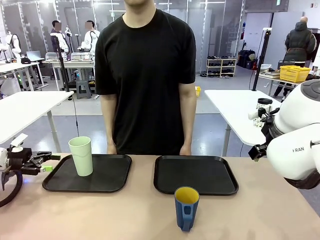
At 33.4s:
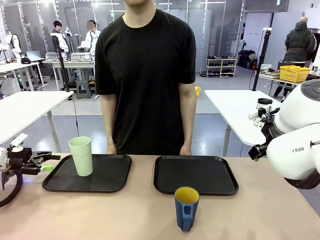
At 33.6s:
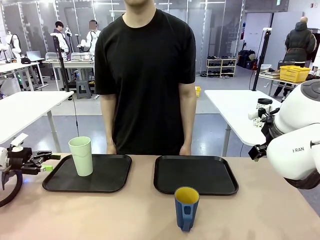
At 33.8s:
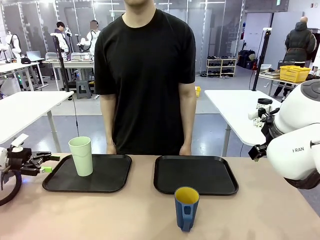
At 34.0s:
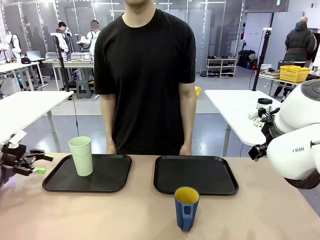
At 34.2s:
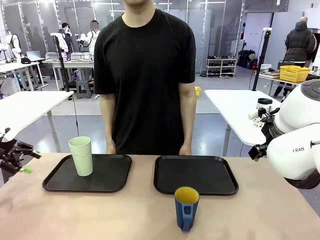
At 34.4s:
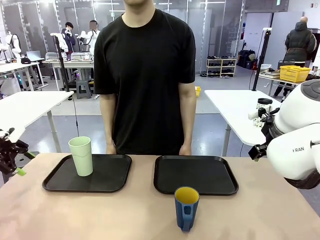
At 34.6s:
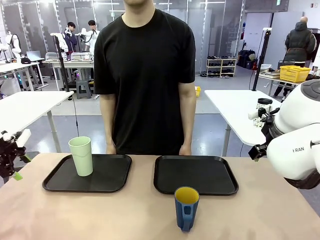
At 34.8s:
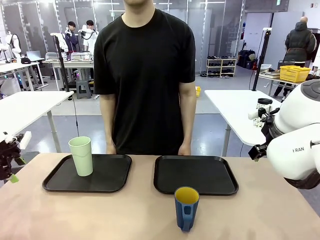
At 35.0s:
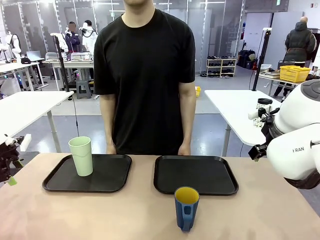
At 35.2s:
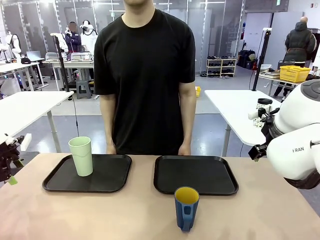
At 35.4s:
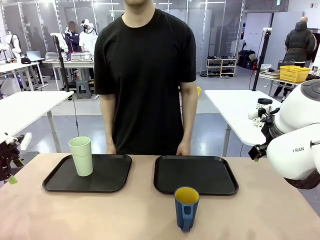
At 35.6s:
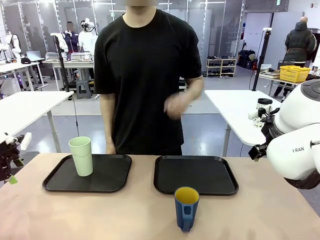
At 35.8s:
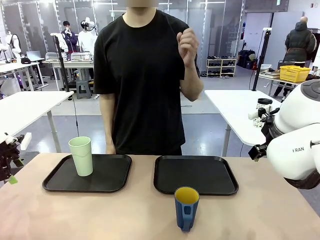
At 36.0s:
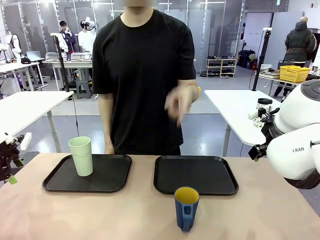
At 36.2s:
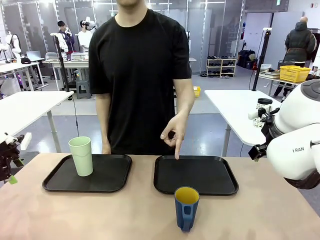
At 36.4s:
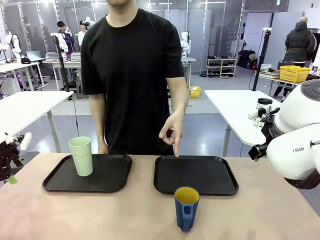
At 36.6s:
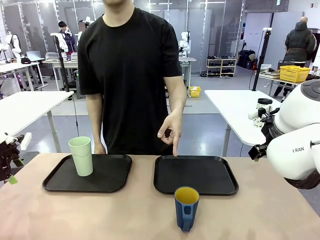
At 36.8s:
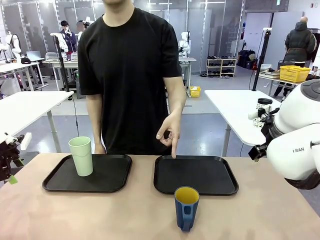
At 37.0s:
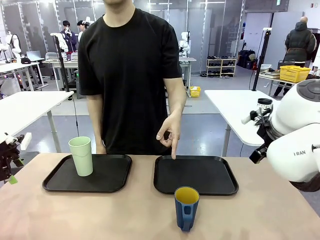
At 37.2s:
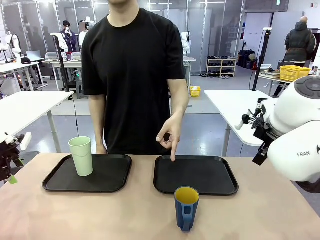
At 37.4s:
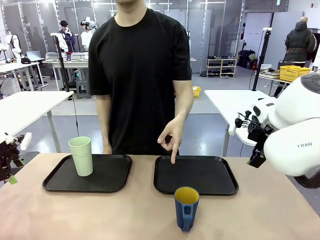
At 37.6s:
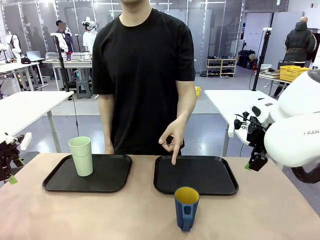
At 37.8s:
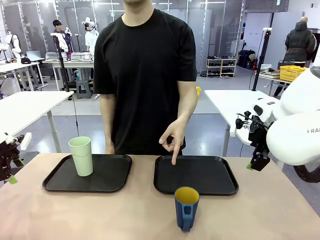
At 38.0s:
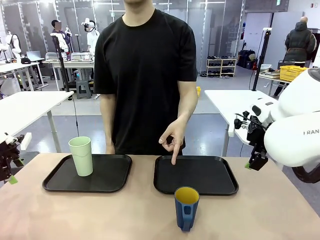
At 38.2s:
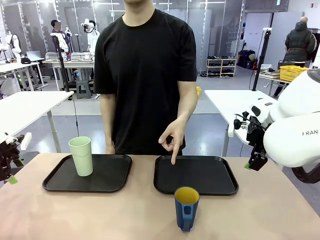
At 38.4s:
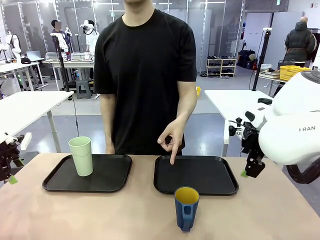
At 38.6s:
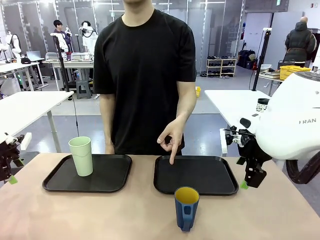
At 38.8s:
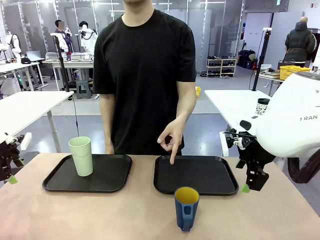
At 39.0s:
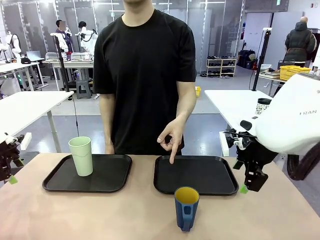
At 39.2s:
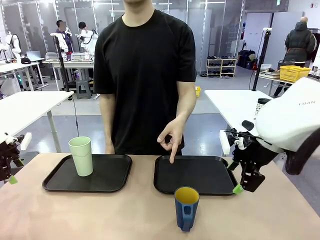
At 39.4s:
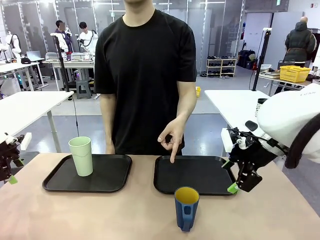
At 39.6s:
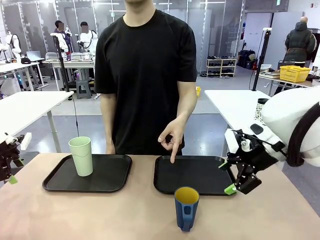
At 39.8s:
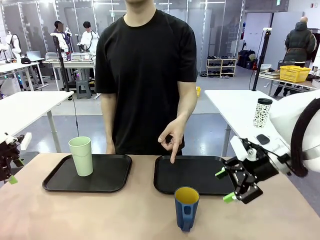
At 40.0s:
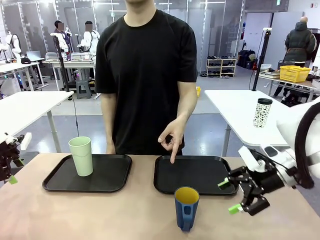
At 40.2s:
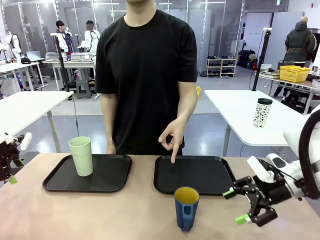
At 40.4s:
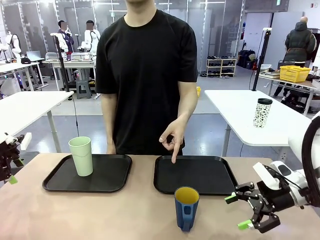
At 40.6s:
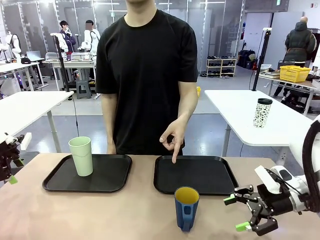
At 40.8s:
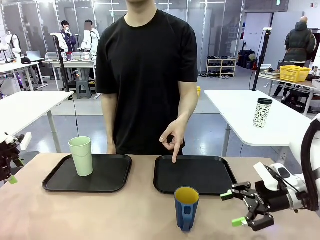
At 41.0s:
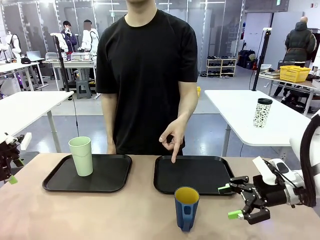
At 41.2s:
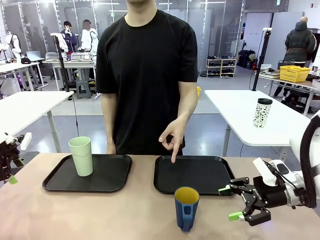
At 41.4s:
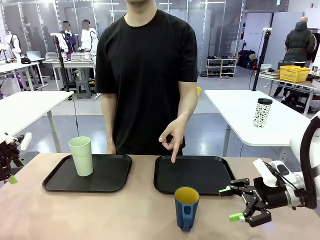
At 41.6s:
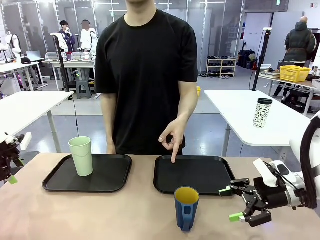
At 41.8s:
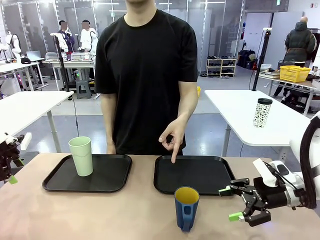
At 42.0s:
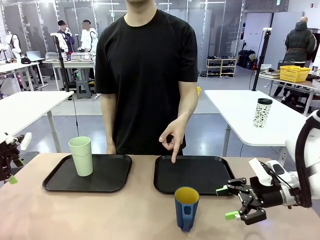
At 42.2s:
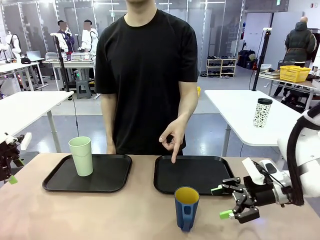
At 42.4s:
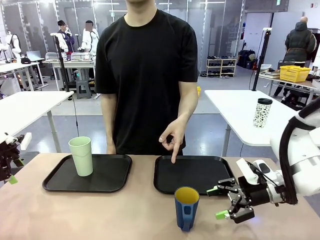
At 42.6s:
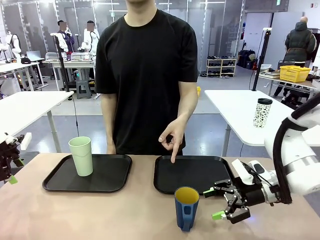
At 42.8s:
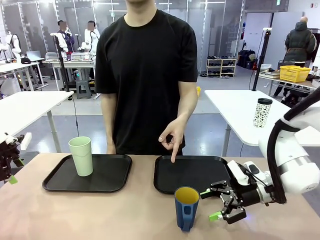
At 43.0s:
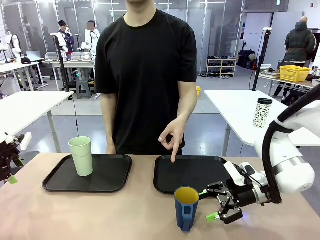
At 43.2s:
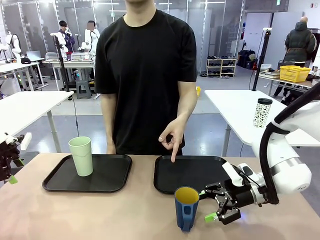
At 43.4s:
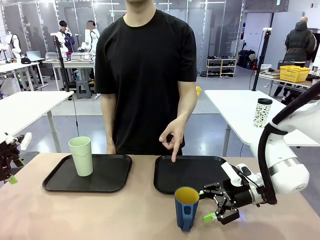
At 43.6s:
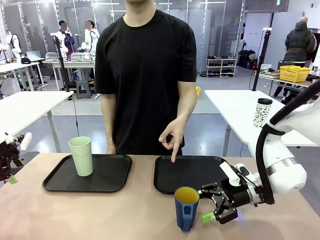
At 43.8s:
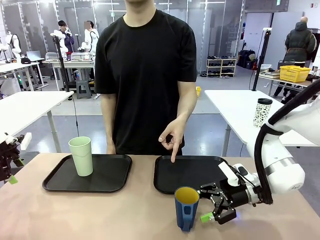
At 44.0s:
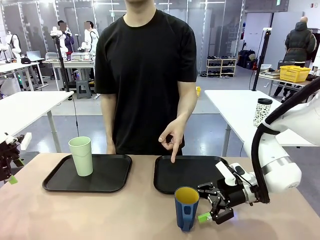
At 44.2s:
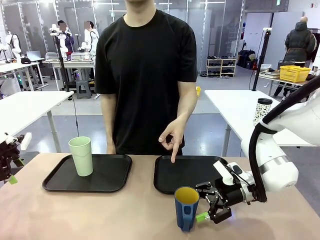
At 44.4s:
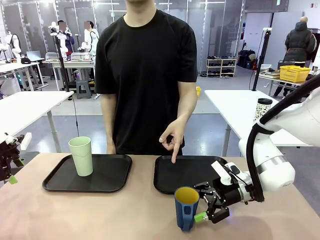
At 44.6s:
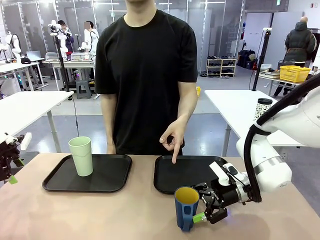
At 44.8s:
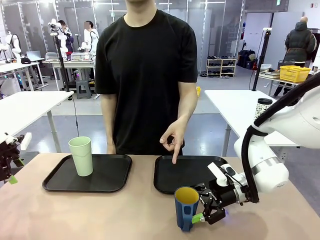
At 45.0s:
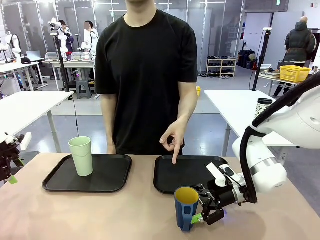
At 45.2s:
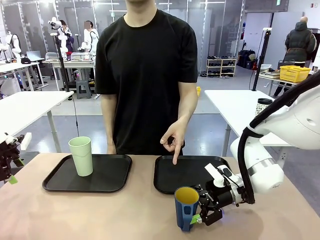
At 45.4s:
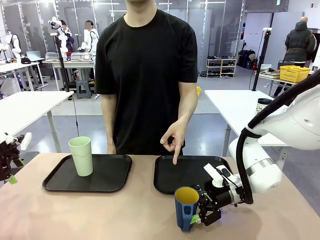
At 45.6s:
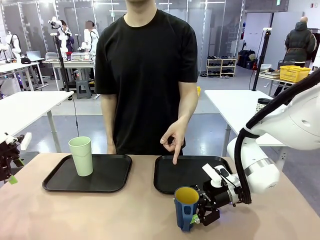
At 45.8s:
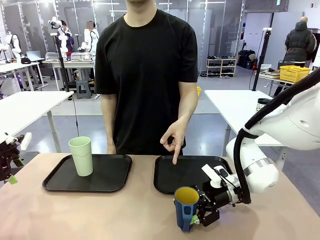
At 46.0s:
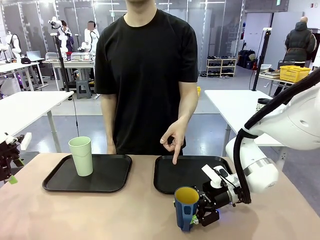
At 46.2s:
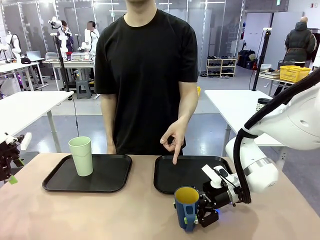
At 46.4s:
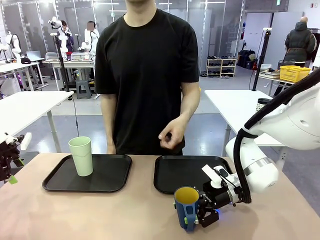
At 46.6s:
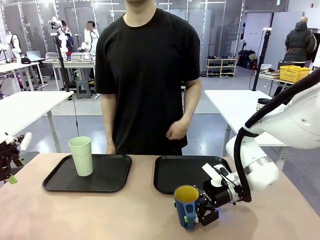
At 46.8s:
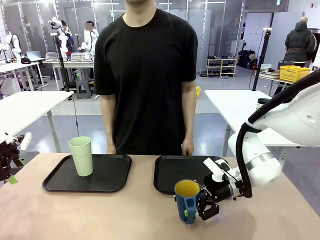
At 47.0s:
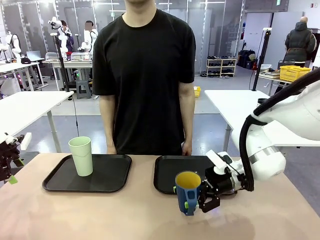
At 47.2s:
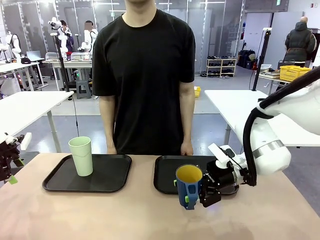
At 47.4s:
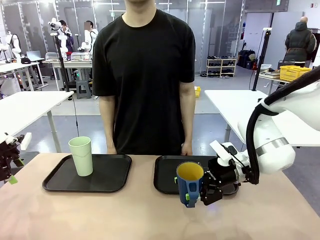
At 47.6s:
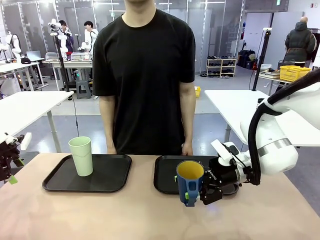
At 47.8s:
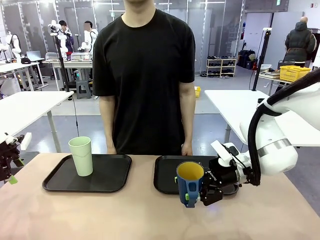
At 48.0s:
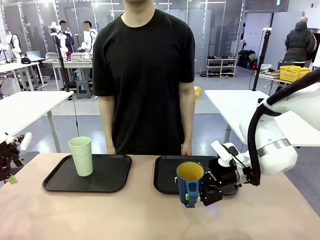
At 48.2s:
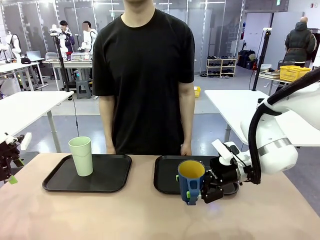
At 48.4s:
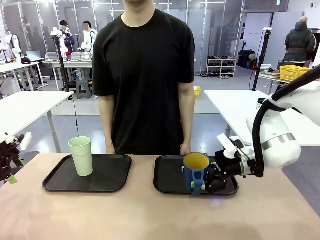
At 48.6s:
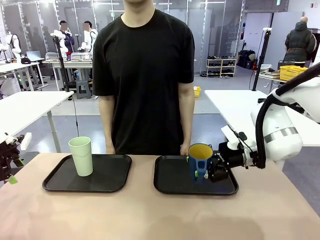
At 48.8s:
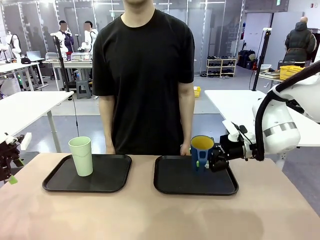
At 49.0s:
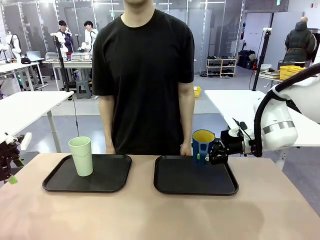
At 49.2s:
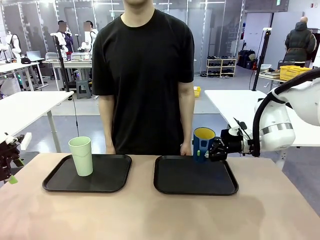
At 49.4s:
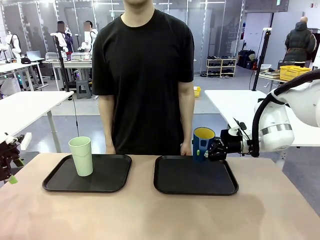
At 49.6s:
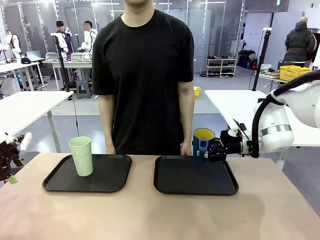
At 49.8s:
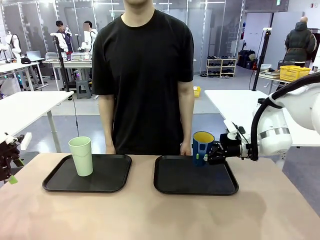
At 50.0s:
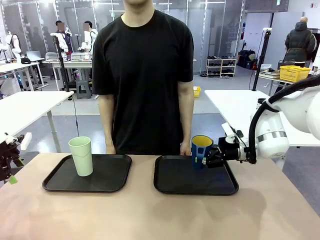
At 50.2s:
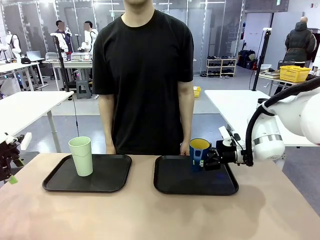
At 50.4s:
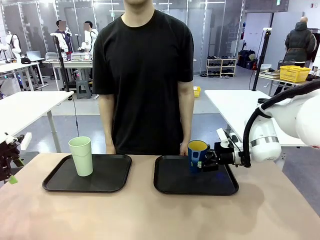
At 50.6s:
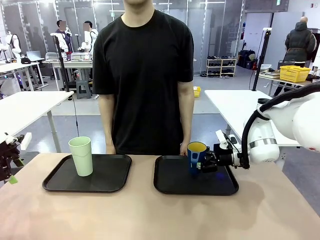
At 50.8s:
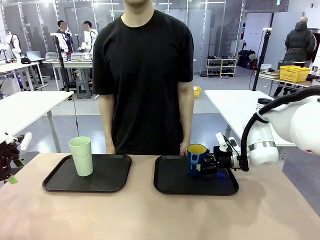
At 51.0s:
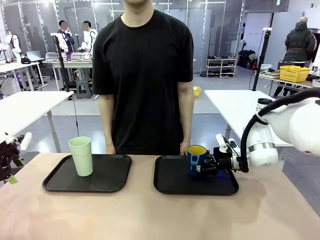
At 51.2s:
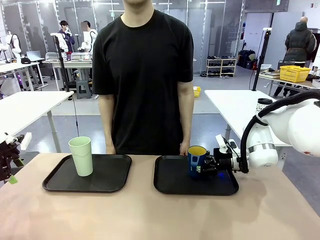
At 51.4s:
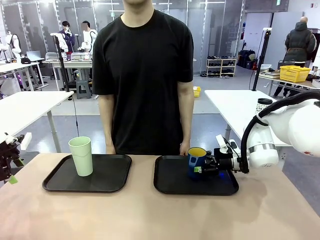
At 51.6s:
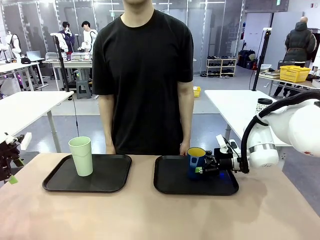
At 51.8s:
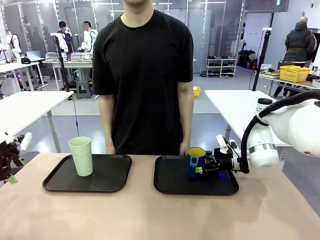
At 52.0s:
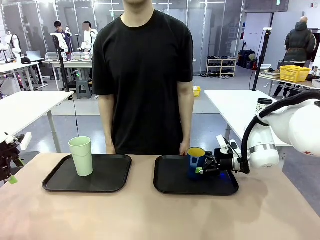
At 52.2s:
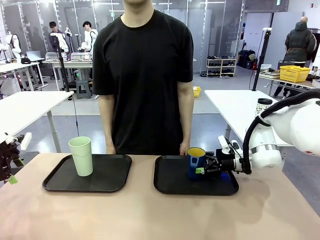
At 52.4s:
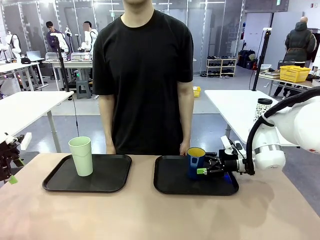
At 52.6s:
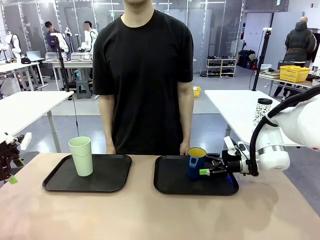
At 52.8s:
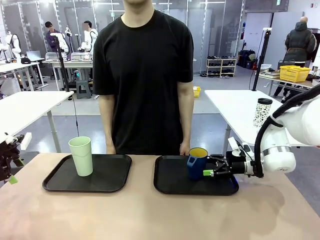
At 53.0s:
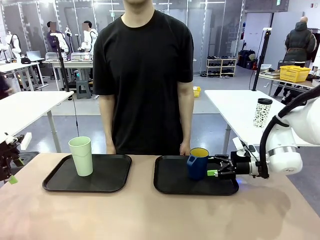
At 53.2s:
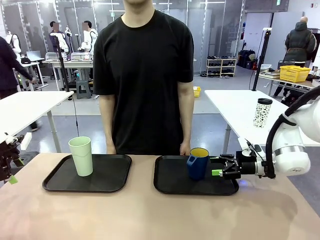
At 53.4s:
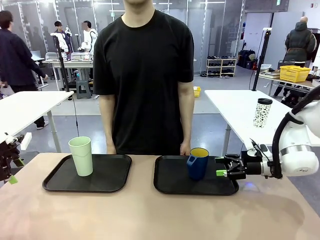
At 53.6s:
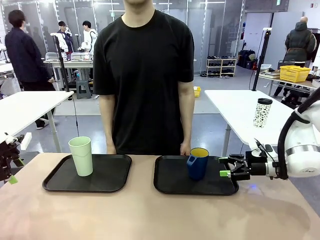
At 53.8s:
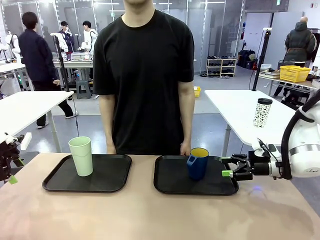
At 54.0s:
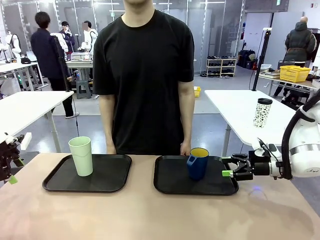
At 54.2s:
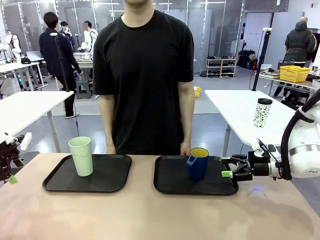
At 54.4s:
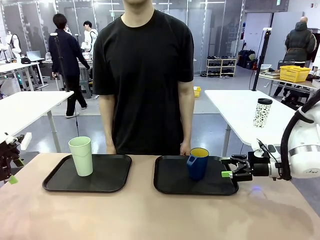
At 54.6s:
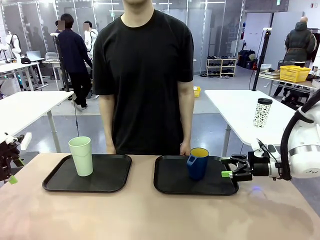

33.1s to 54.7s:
Task: Sort and store the cups by type.
Robot: Pick up the Handle plastic cup and place it into the empty Flat Tray.
Person: Points to the cup with a handle.
